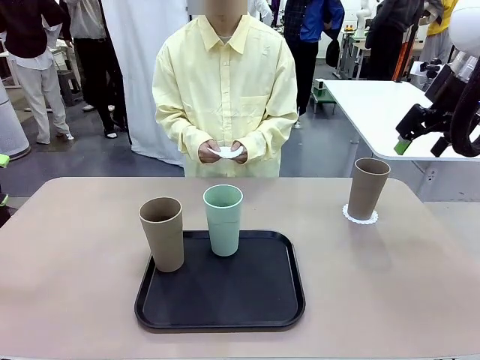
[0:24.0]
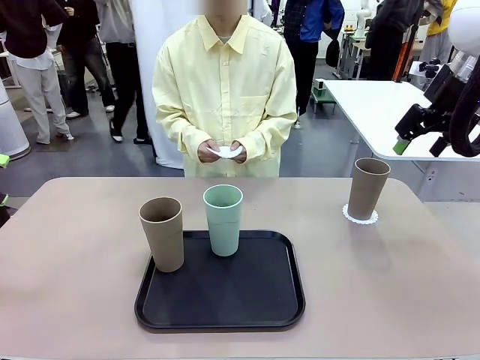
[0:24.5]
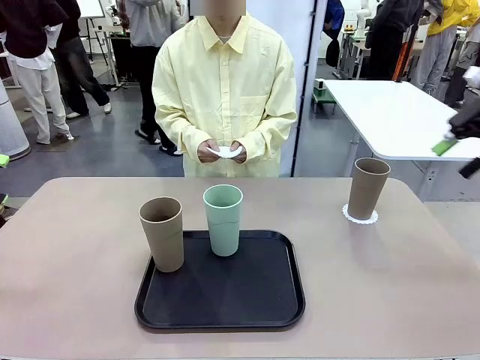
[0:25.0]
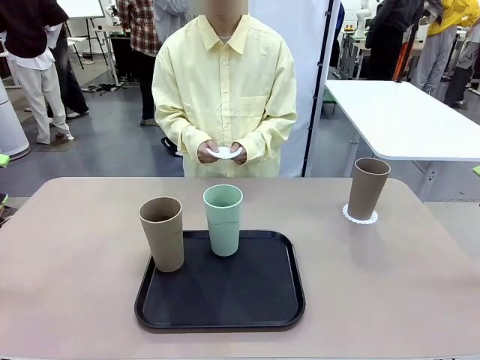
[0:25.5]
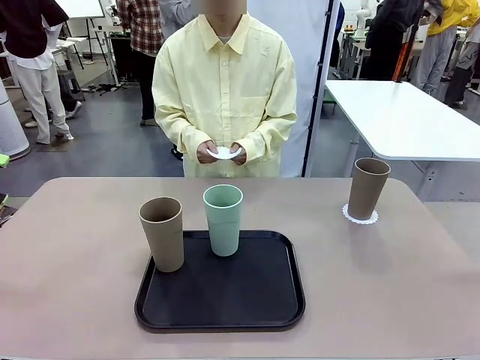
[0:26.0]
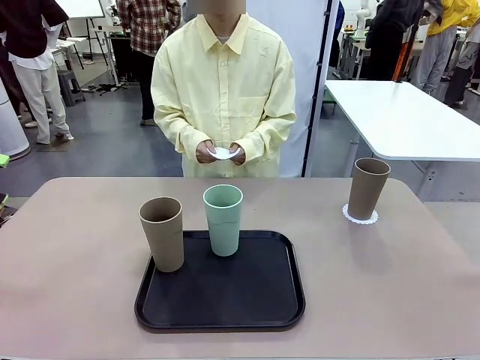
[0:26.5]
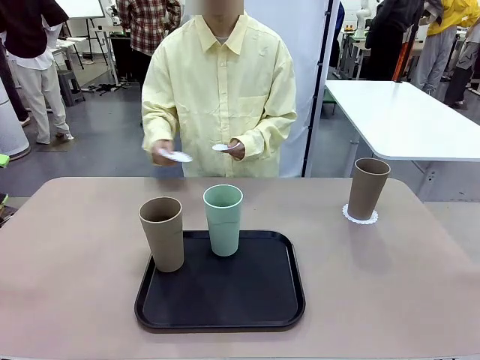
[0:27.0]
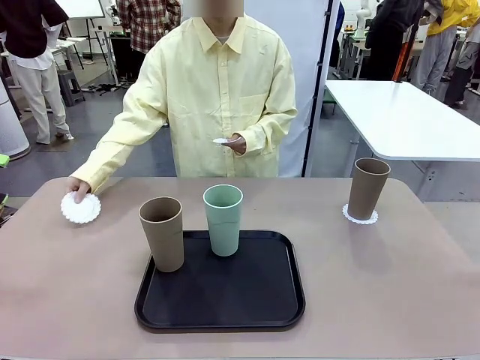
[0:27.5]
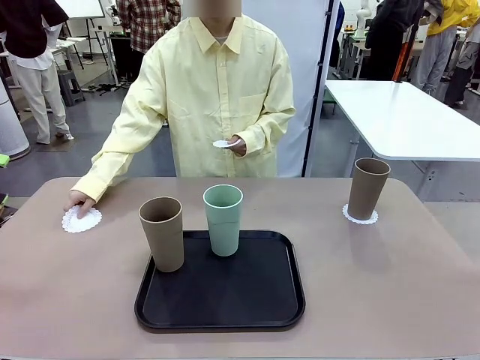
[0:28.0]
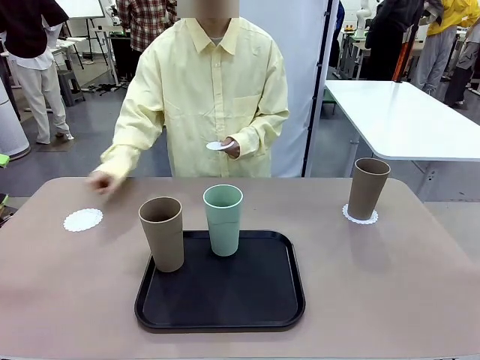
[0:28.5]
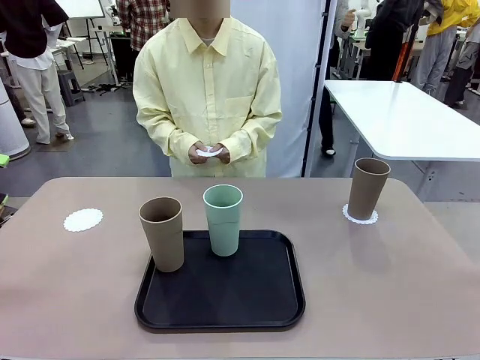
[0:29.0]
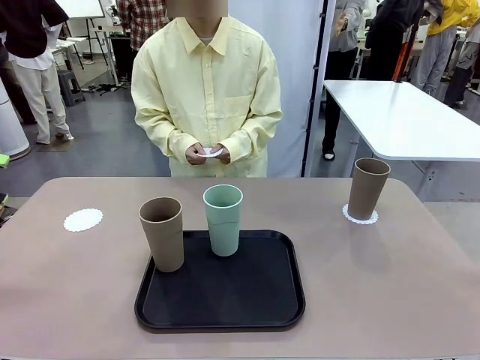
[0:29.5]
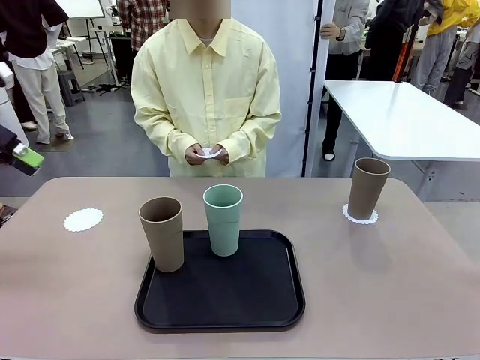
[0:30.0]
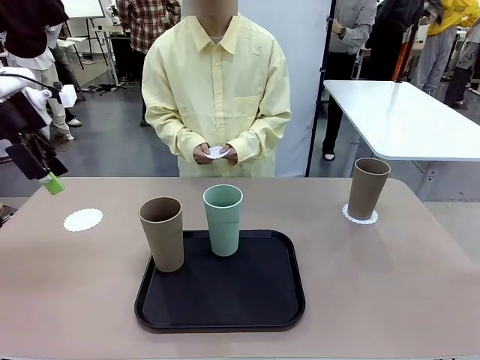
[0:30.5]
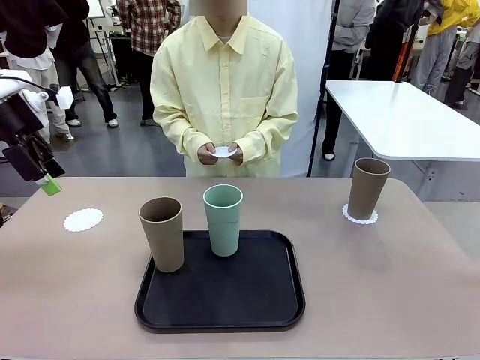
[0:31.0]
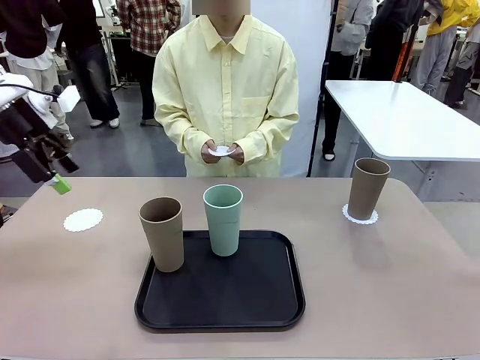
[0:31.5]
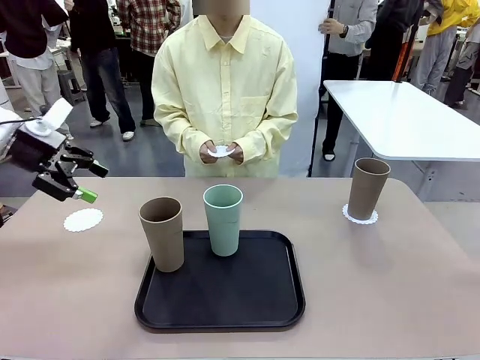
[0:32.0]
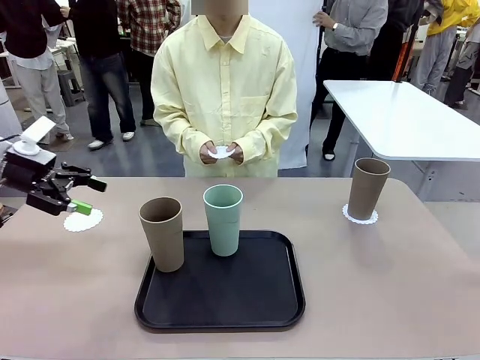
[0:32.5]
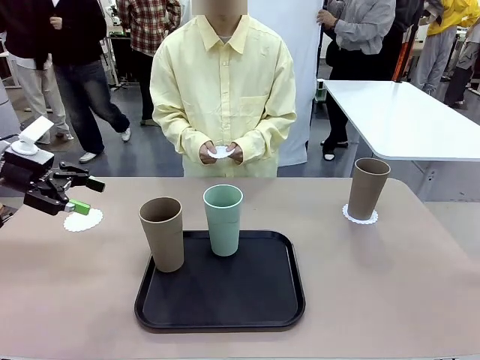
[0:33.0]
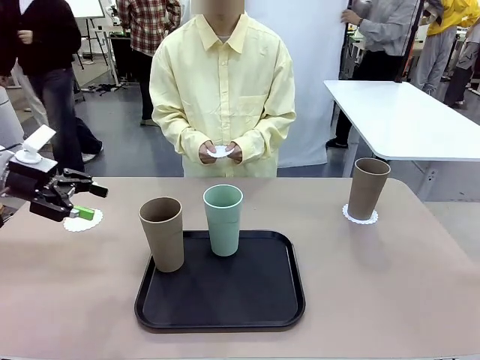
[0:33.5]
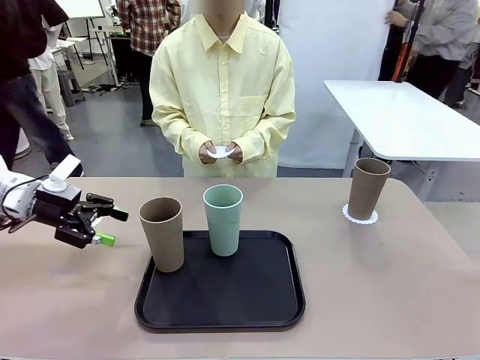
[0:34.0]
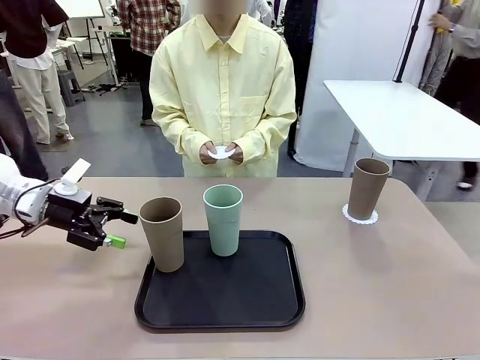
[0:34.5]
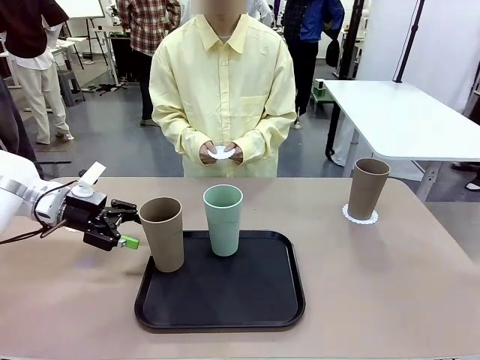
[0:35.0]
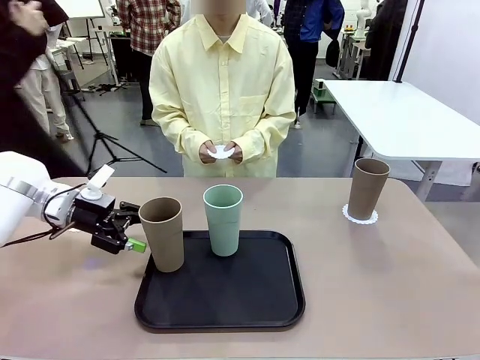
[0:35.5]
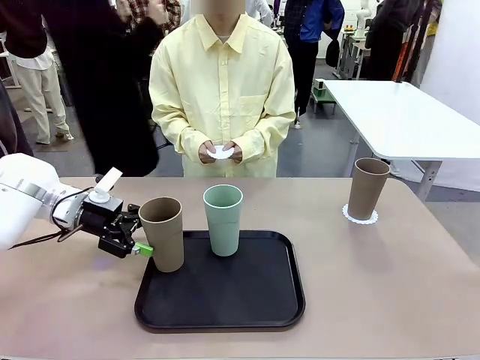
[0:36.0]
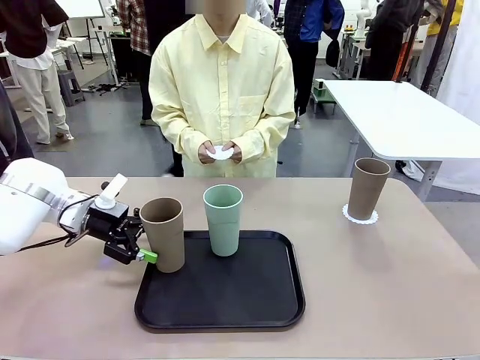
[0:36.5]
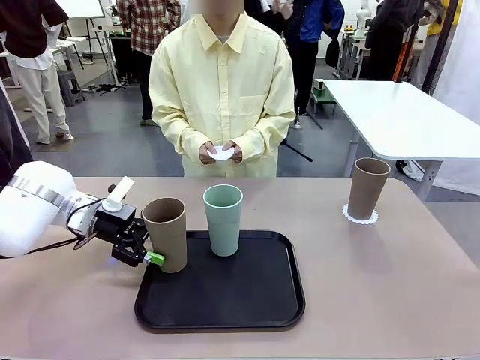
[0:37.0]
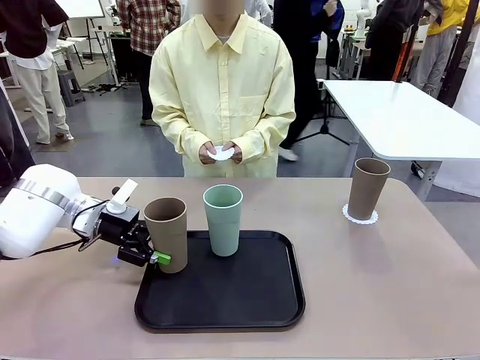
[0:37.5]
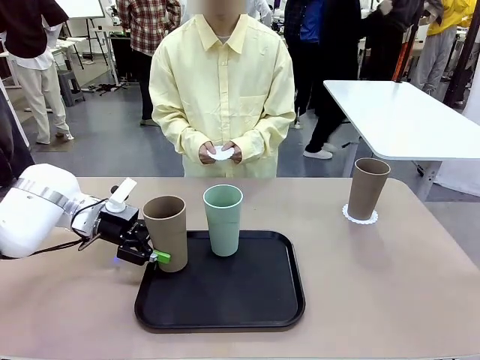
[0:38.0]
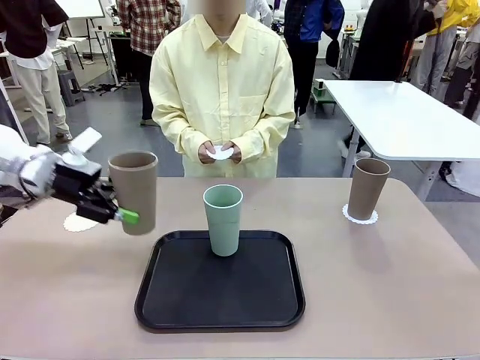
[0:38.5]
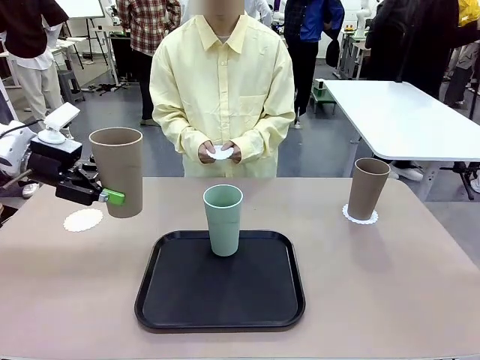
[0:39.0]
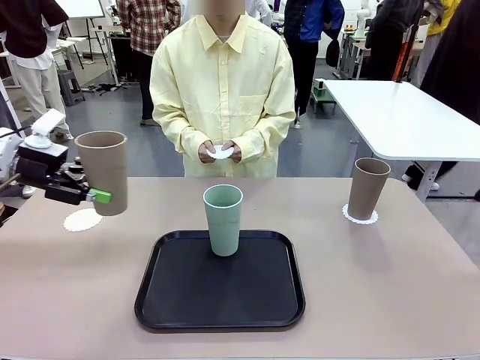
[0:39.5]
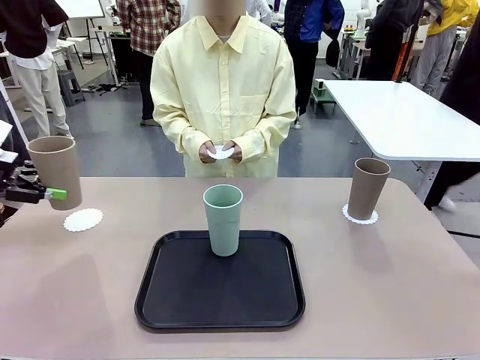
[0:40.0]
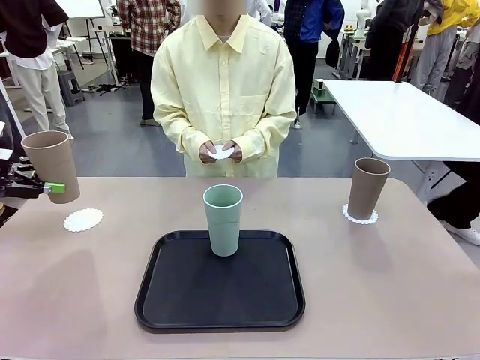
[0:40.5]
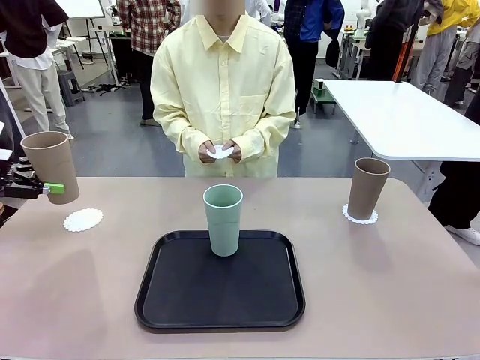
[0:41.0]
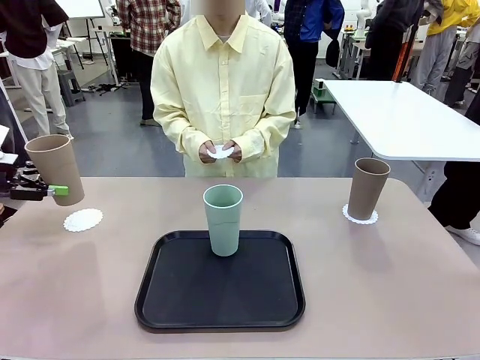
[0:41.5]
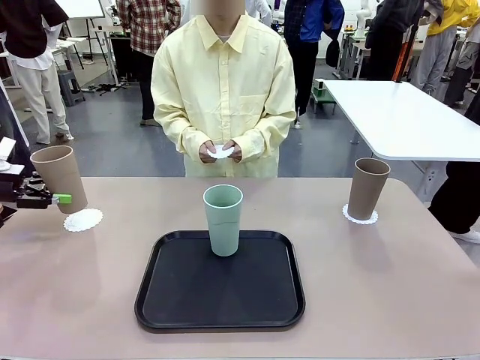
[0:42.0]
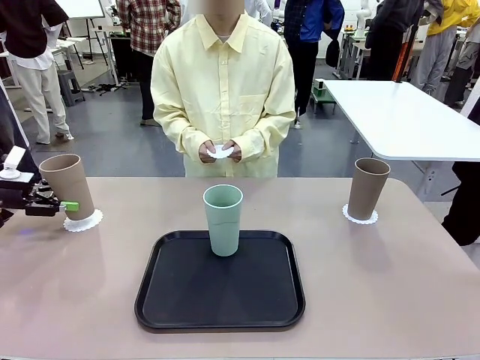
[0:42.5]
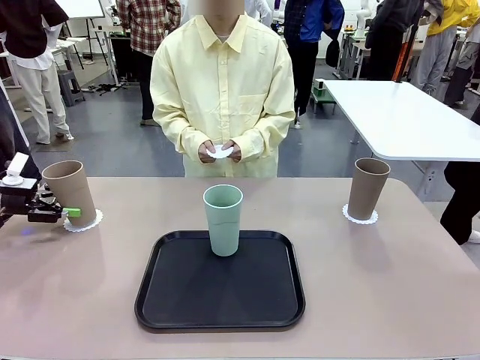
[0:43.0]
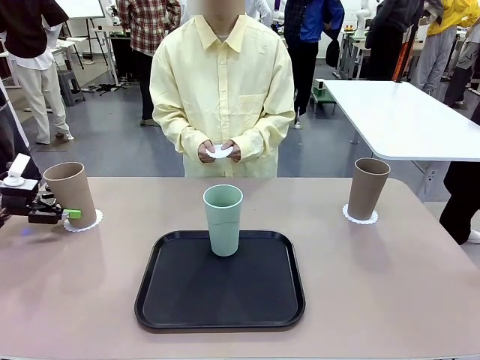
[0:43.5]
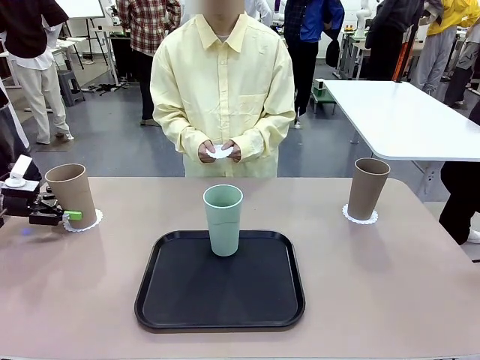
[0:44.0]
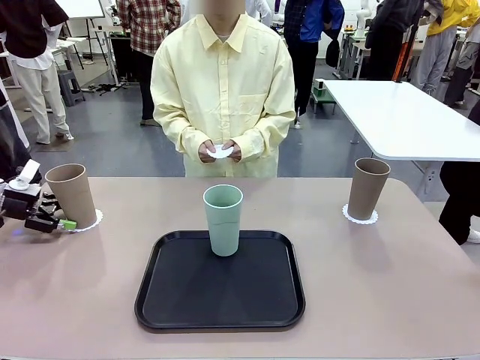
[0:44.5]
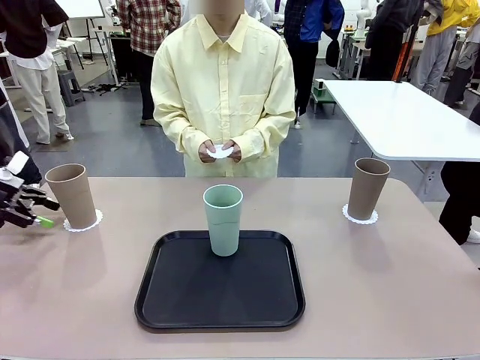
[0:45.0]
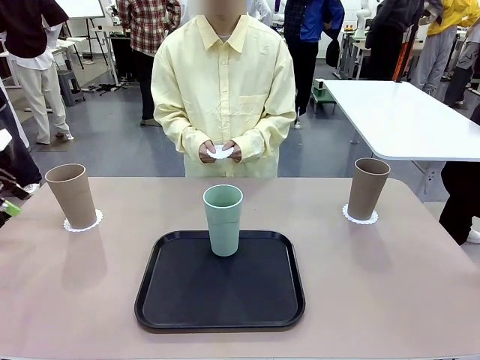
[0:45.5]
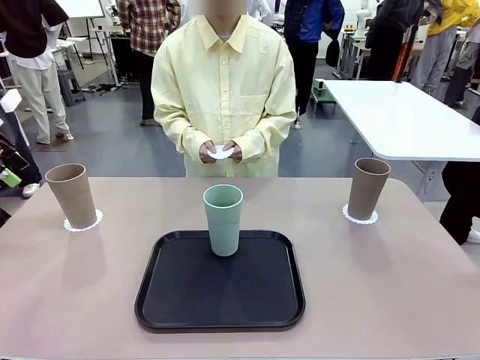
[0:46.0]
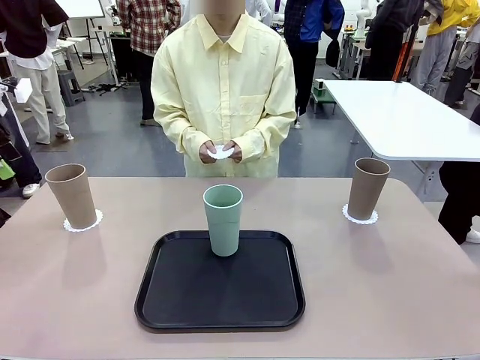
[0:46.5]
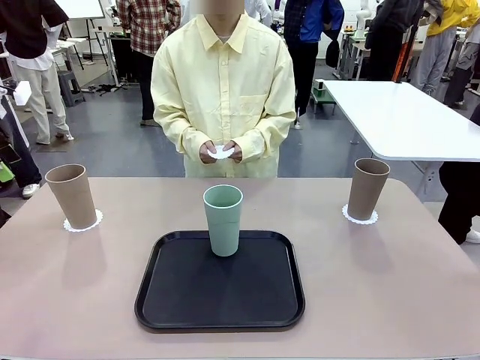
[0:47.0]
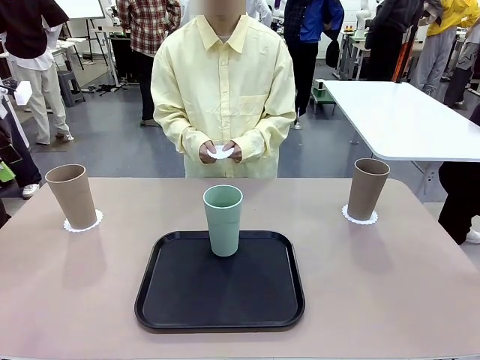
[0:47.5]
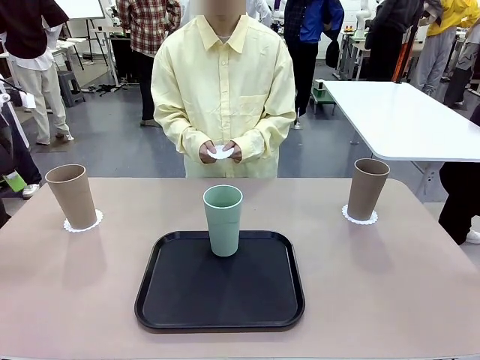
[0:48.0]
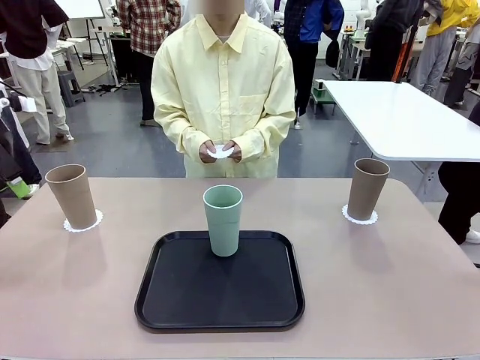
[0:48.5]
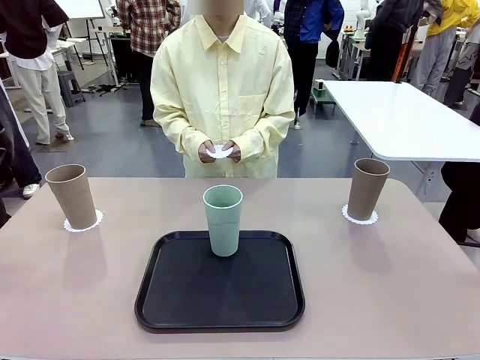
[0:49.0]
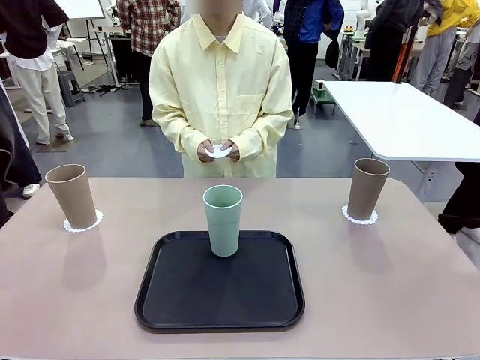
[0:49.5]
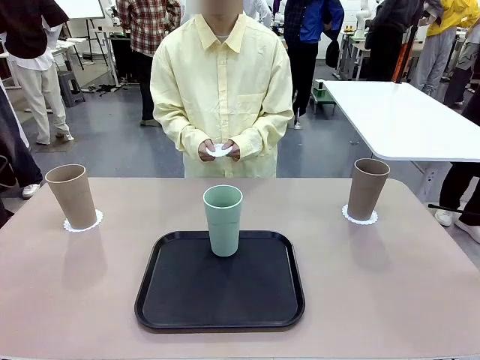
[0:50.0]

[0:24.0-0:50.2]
Task: Place coasters on the table and set cups on them.
Robot: Take one Reusable plastic cup from the Flat Tray and place it on a coaster set by the human.
